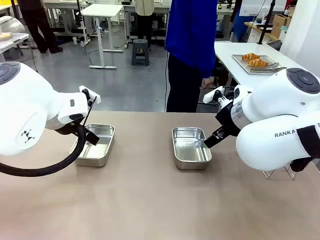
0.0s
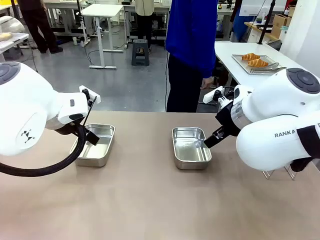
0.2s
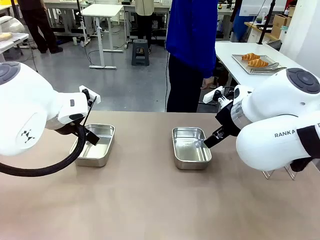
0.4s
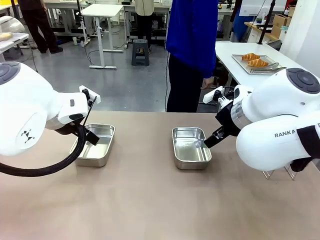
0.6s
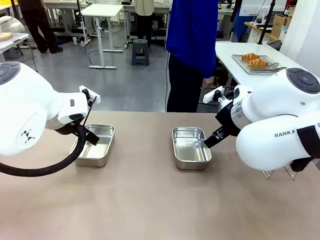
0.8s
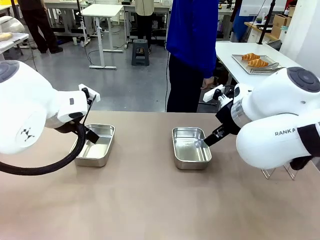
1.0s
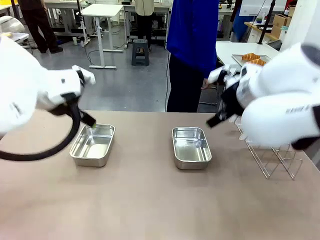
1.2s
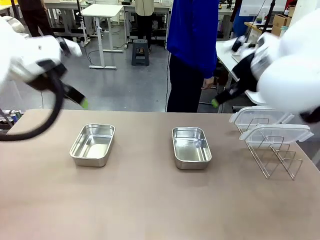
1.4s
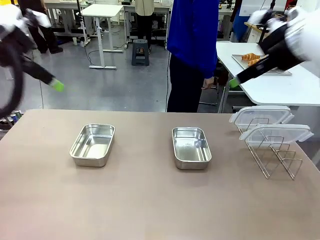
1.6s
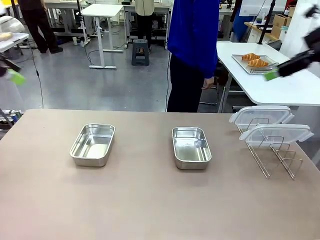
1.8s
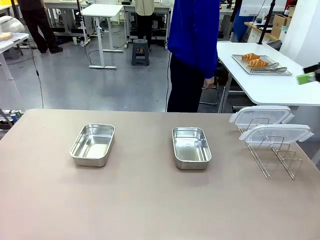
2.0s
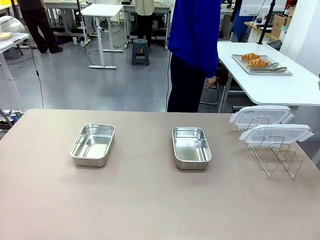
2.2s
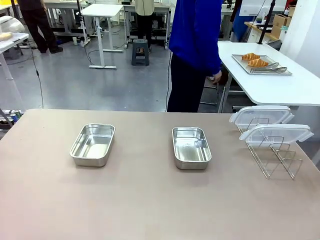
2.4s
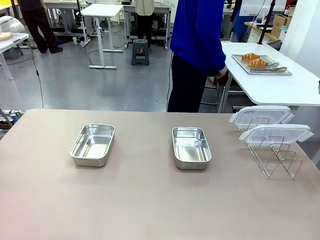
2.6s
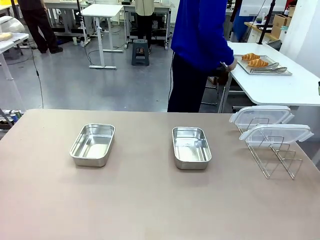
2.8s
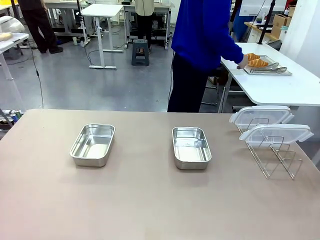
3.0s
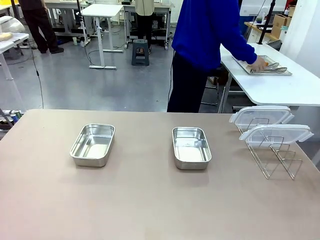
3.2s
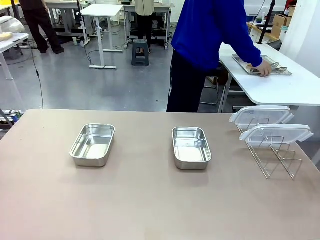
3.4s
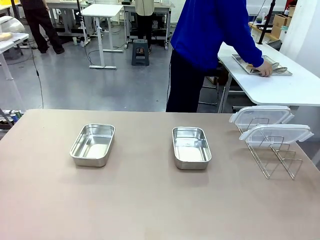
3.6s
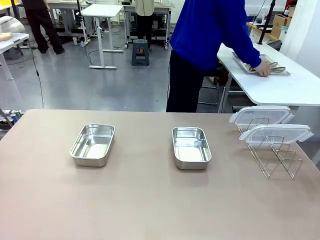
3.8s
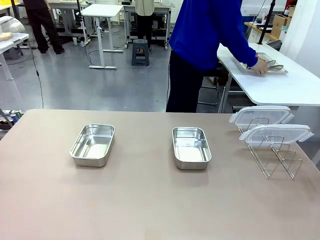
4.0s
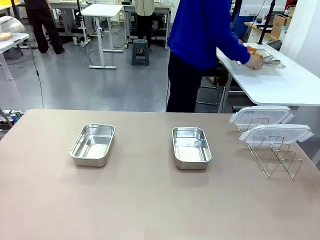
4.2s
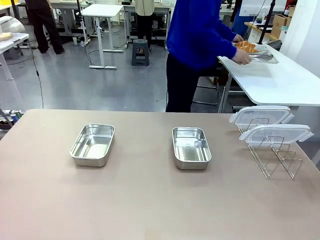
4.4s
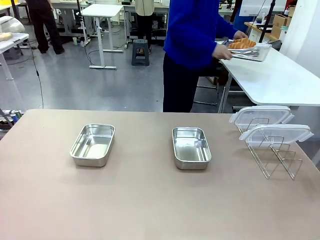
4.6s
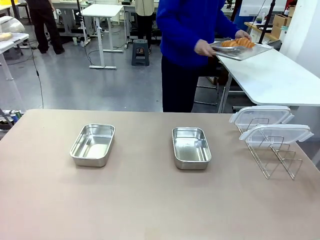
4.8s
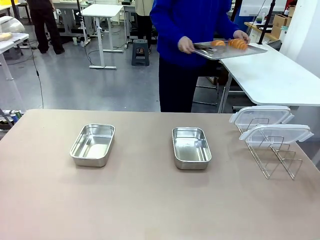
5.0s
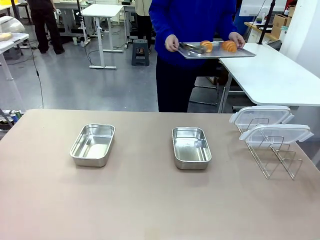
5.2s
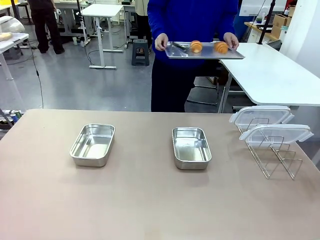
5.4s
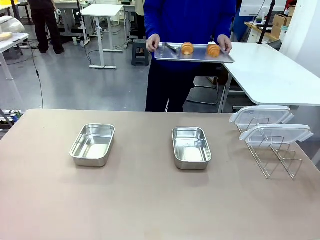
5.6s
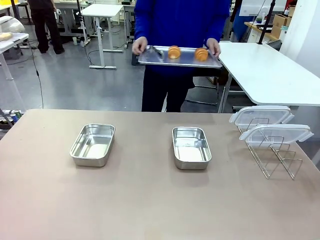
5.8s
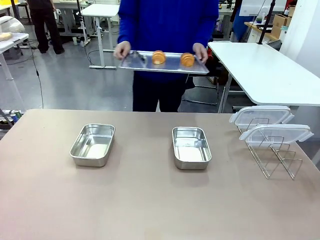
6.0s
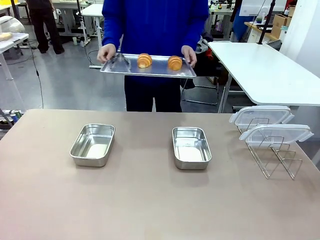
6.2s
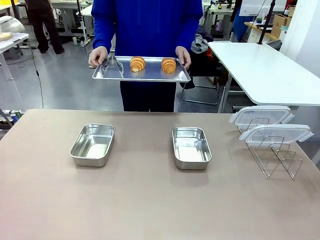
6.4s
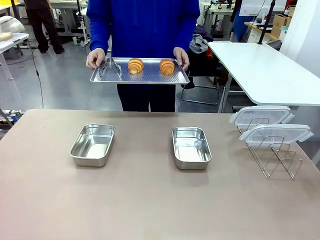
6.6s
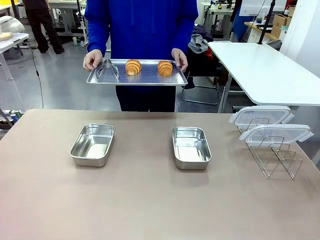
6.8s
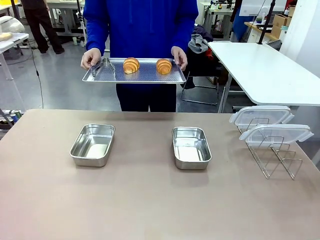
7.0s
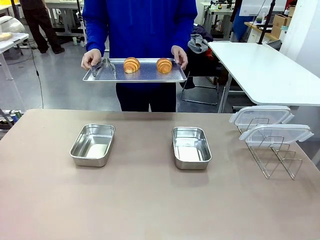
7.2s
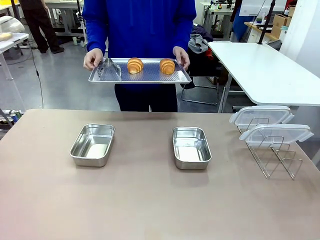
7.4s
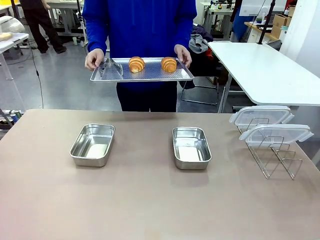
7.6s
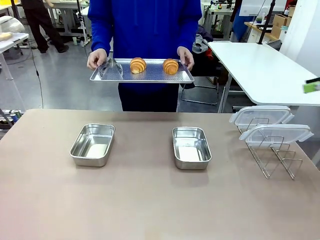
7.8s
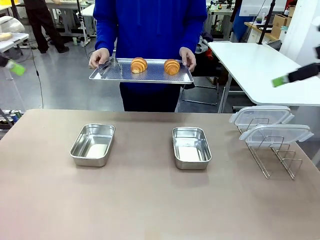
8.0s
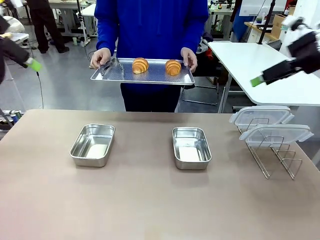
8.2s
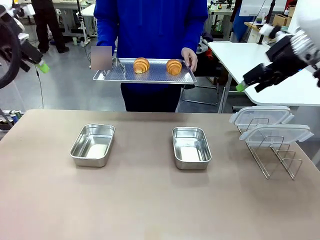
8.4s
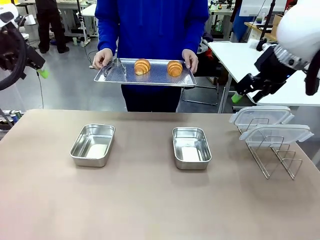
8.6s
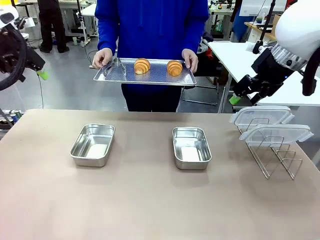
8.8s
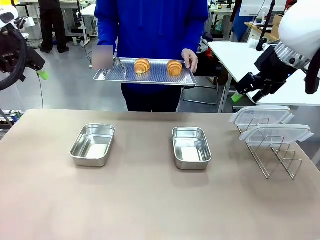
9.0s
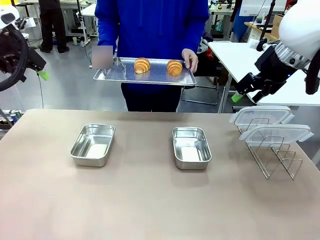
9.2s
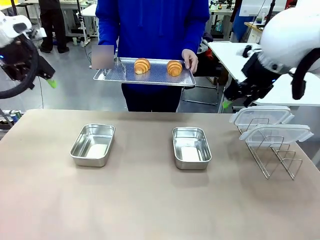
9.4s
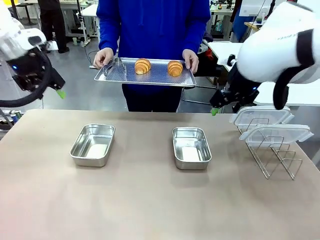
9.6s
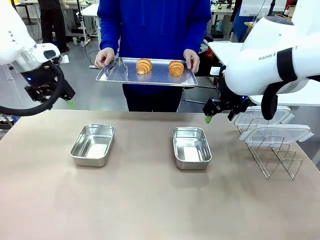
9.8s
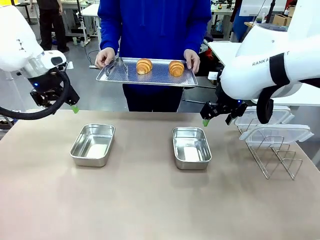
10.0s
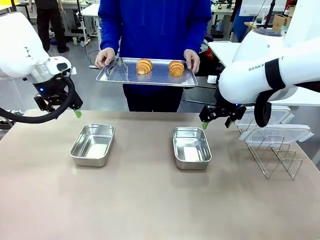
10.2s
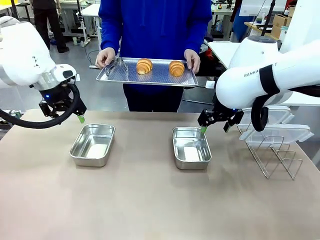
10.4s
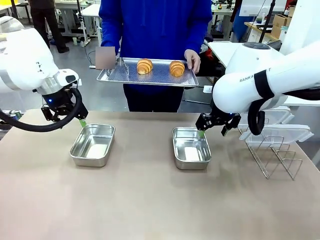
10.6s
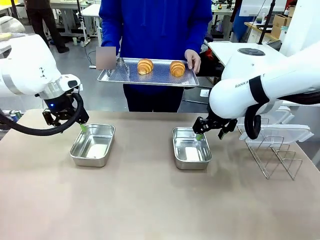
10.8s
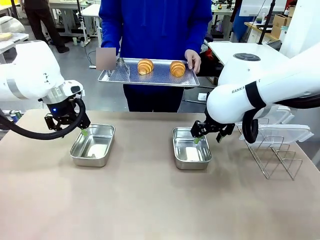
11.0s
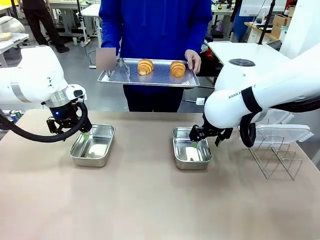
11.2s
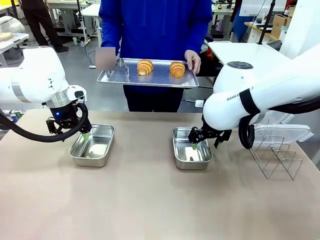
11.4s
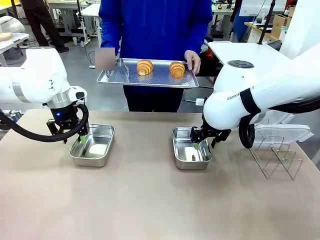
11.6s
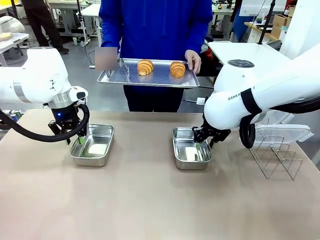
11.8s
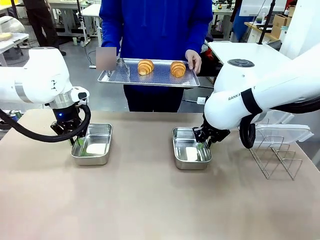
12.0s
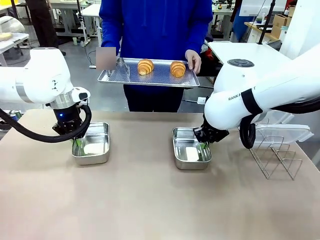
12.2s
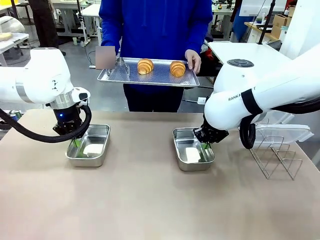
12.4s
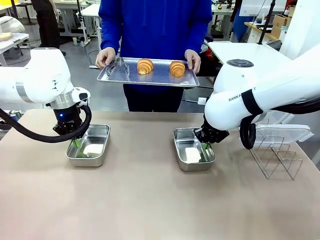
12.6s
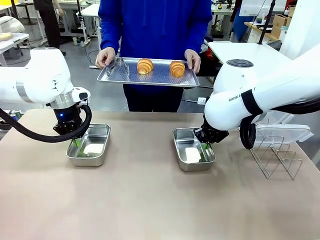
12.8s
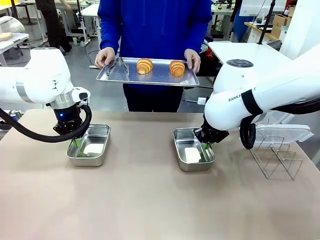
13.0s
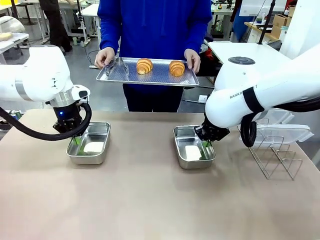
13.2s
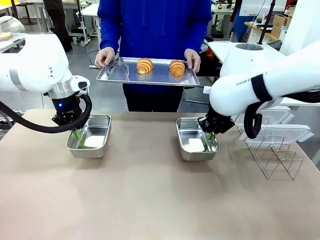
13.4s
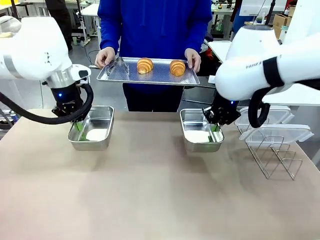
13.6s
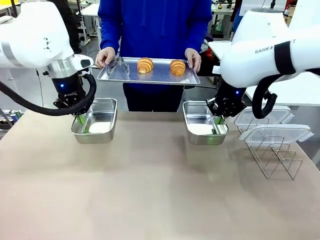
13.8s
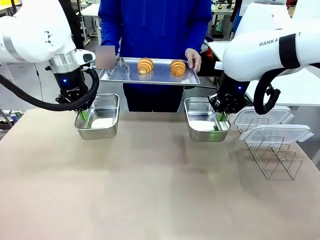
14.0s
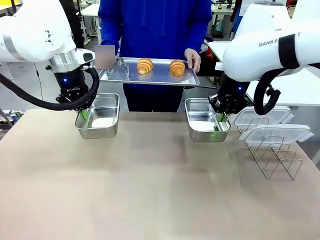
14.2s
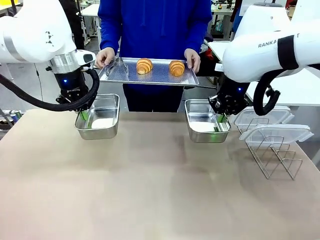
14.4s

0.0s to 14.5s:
Task: Place the bread in airtight containers.
Robot: Lift both Airtight Container.
Person: Bring the Baking Sheet in front of Robot's Table.
